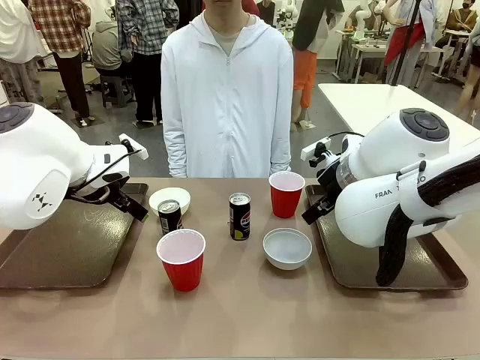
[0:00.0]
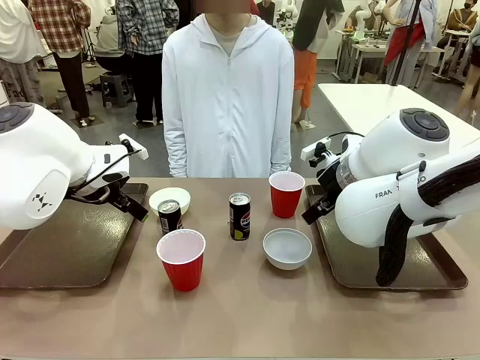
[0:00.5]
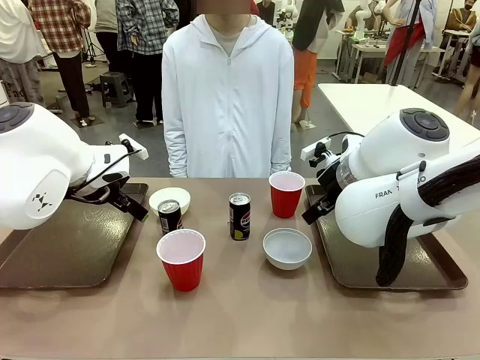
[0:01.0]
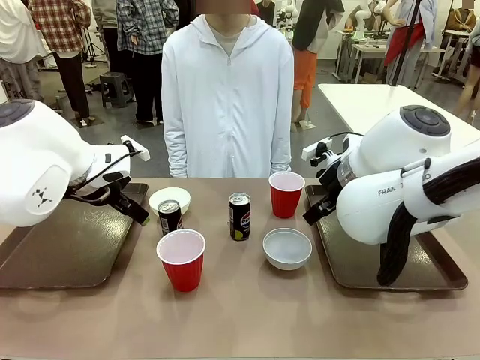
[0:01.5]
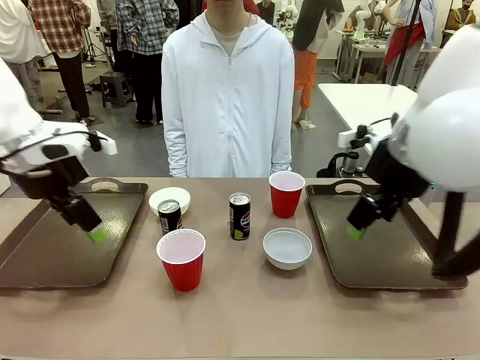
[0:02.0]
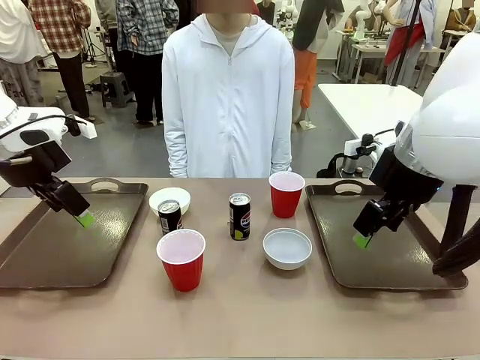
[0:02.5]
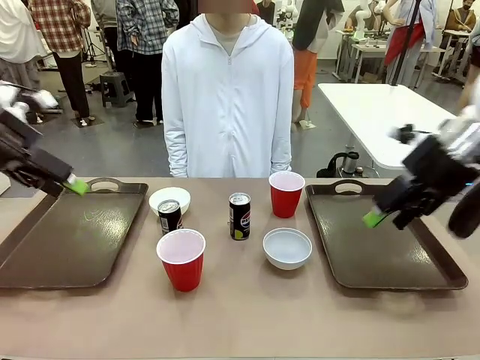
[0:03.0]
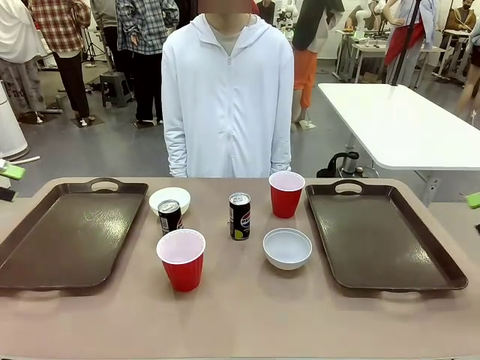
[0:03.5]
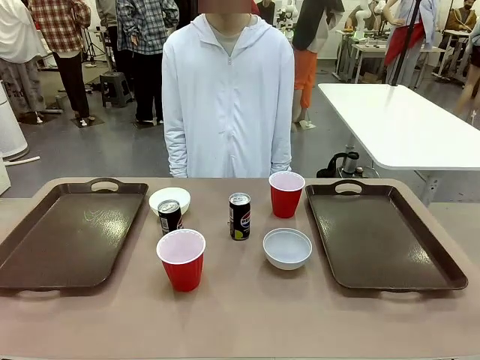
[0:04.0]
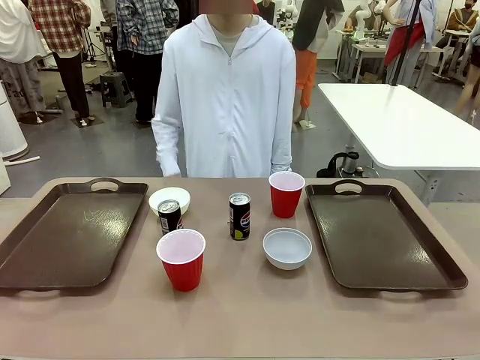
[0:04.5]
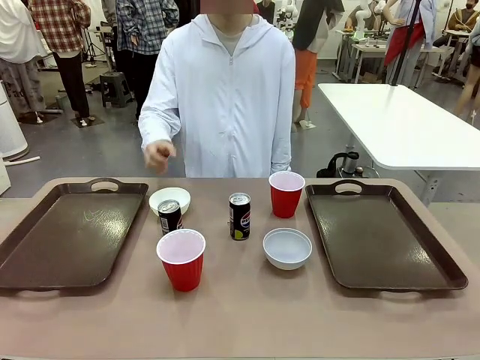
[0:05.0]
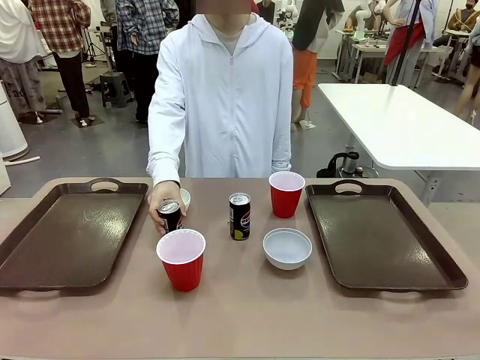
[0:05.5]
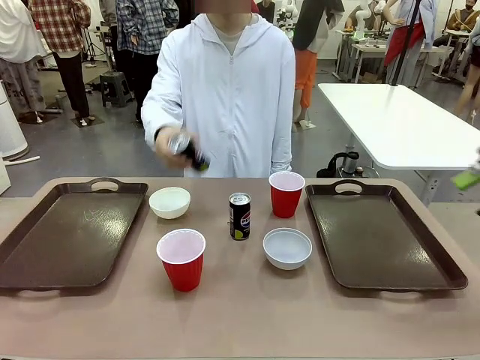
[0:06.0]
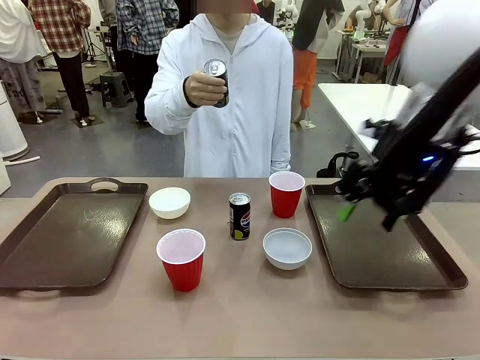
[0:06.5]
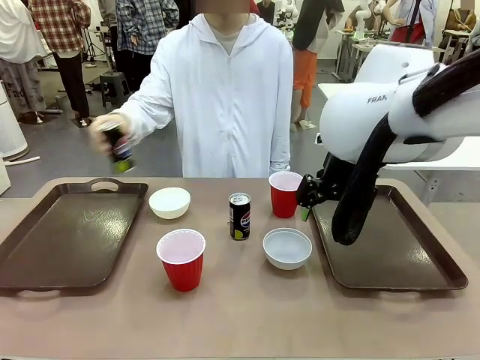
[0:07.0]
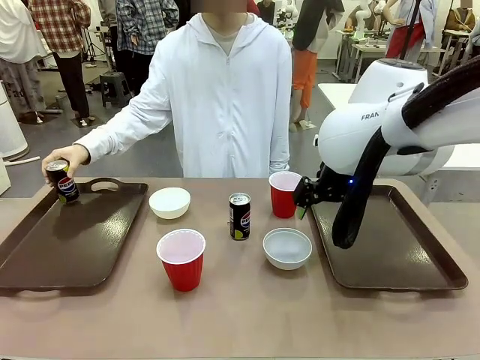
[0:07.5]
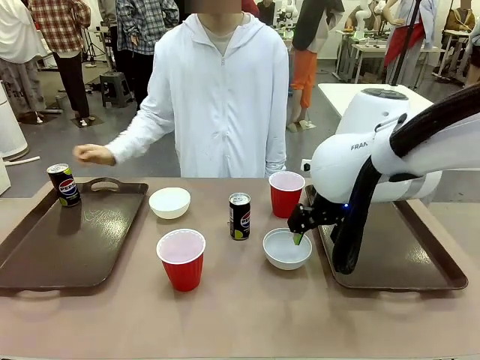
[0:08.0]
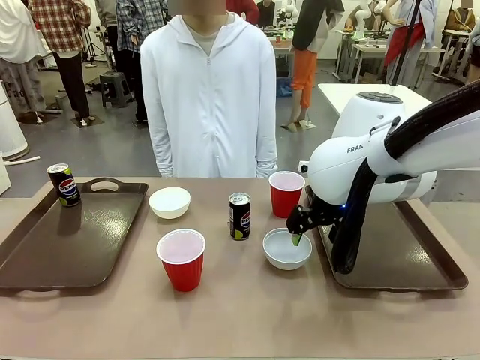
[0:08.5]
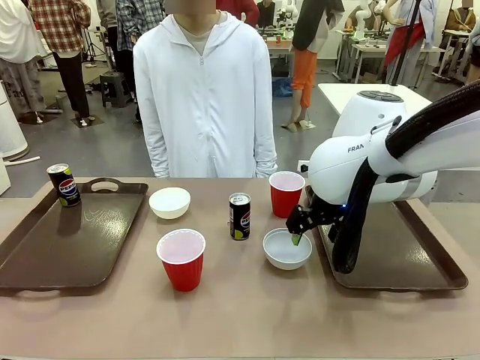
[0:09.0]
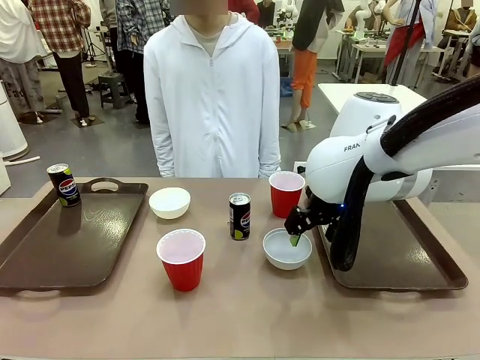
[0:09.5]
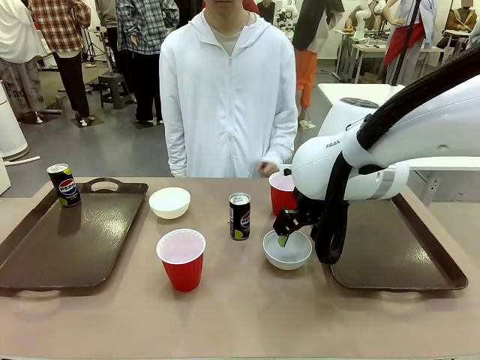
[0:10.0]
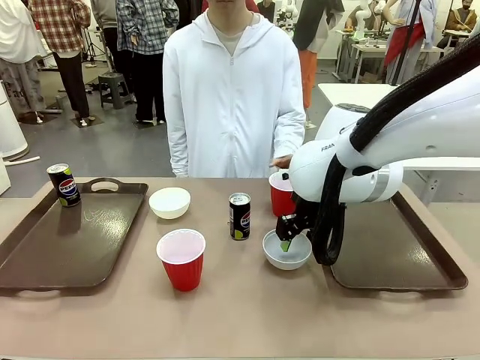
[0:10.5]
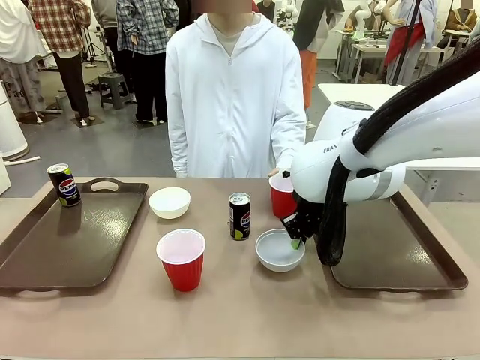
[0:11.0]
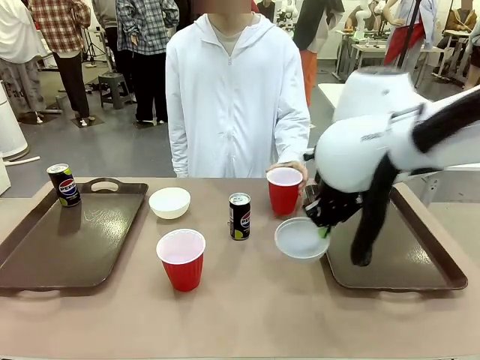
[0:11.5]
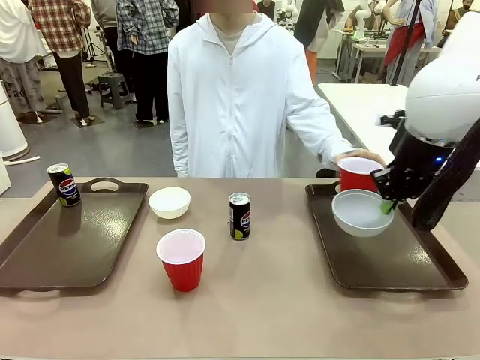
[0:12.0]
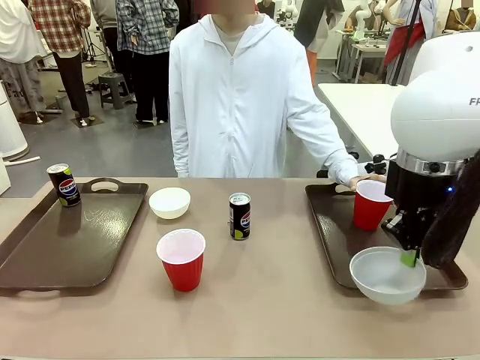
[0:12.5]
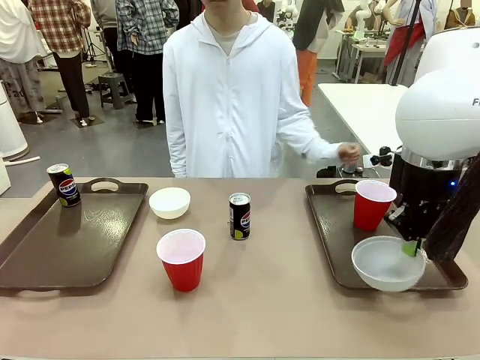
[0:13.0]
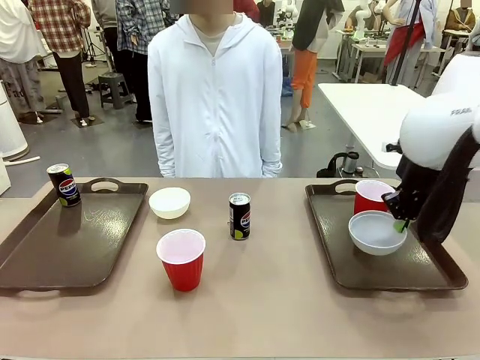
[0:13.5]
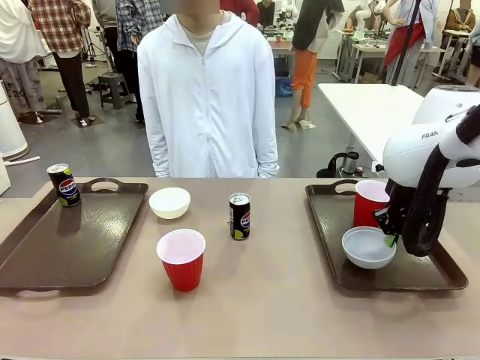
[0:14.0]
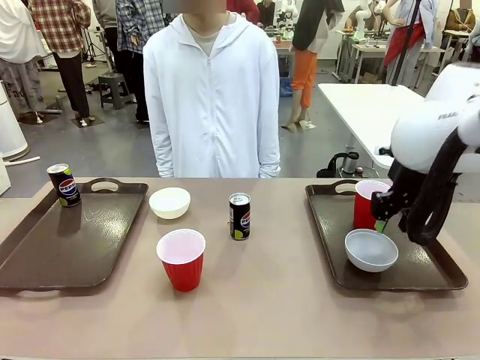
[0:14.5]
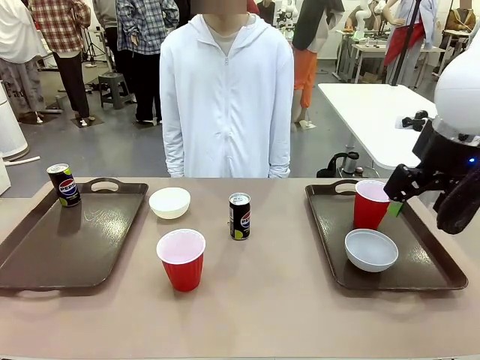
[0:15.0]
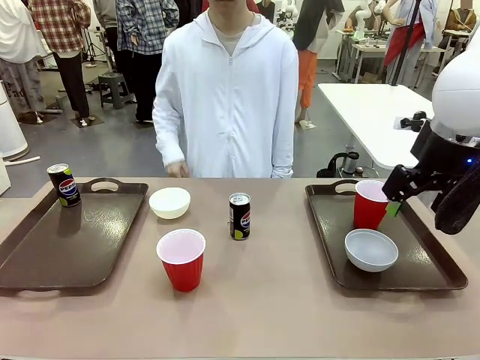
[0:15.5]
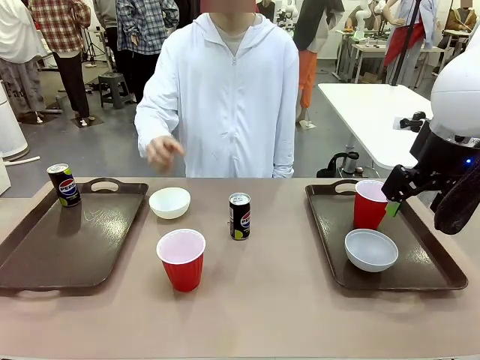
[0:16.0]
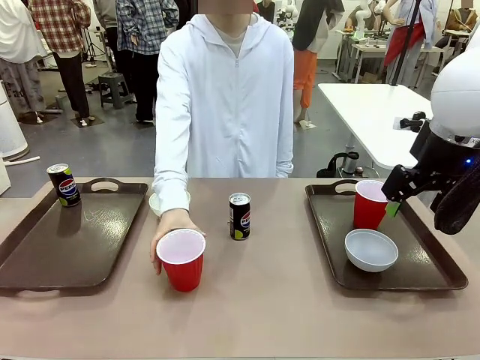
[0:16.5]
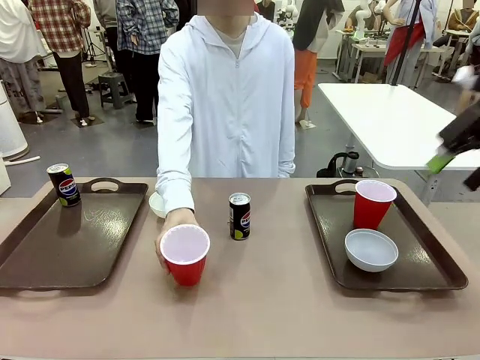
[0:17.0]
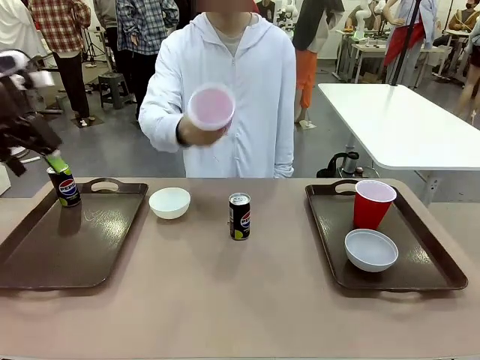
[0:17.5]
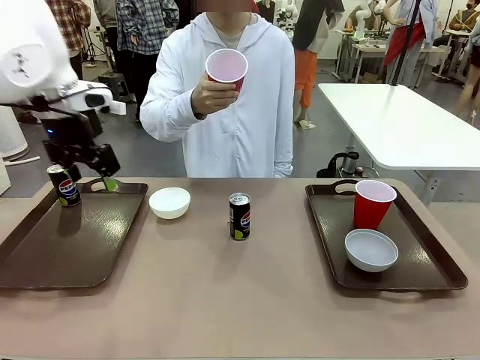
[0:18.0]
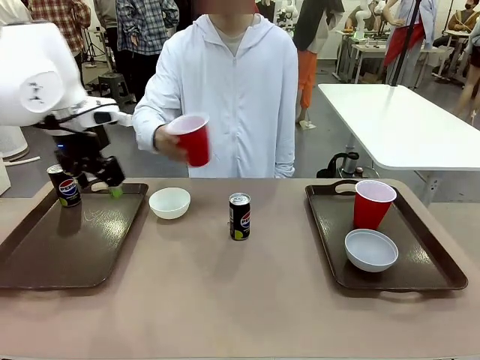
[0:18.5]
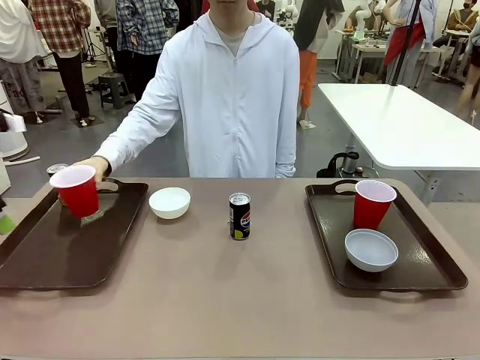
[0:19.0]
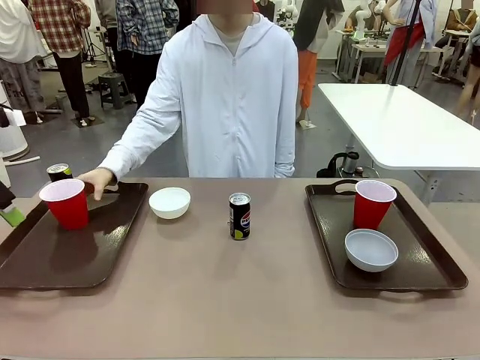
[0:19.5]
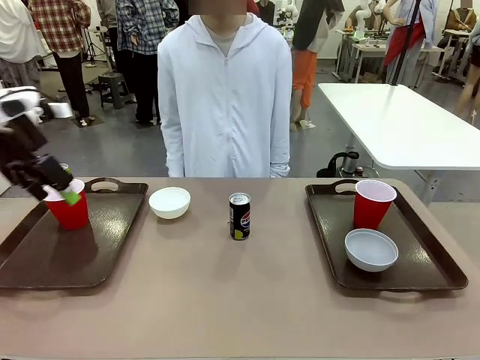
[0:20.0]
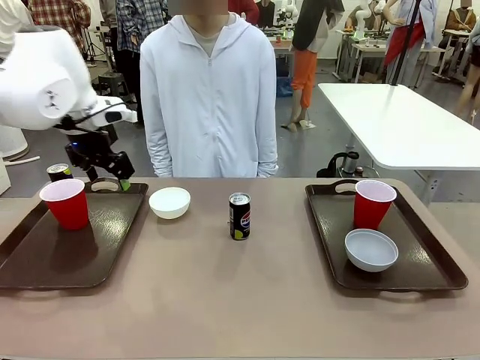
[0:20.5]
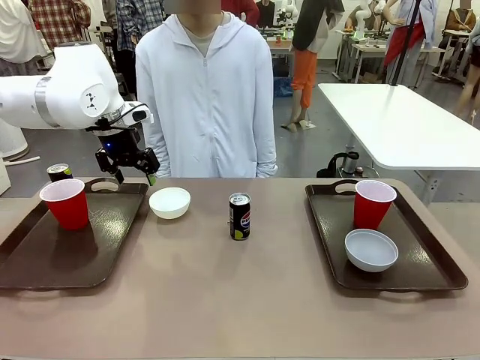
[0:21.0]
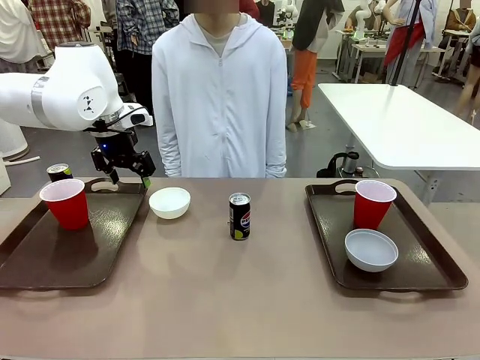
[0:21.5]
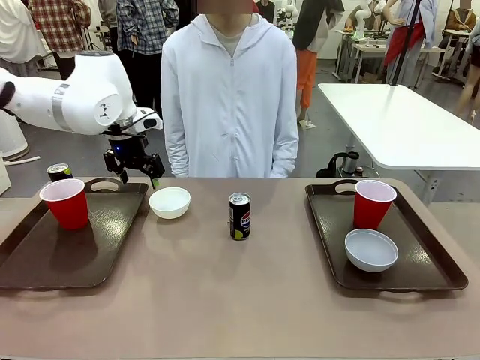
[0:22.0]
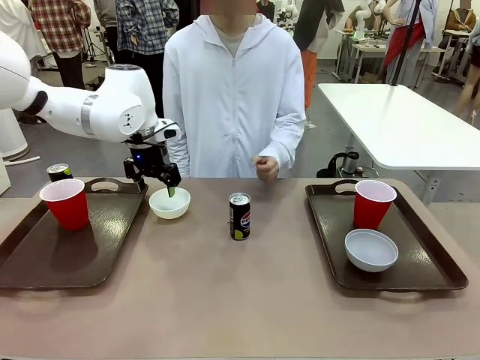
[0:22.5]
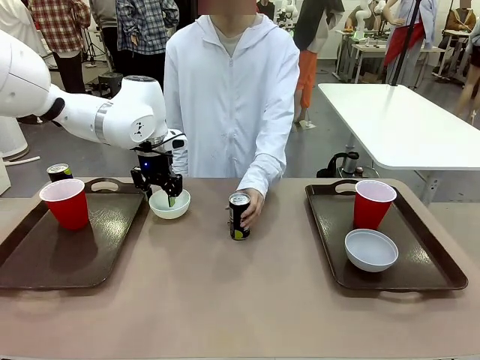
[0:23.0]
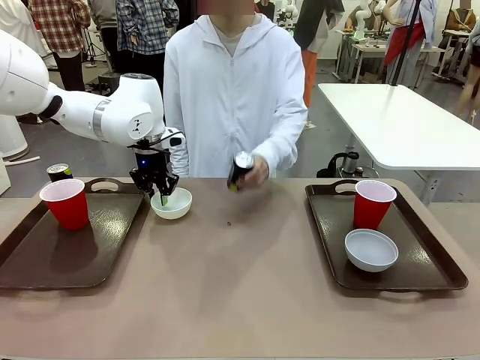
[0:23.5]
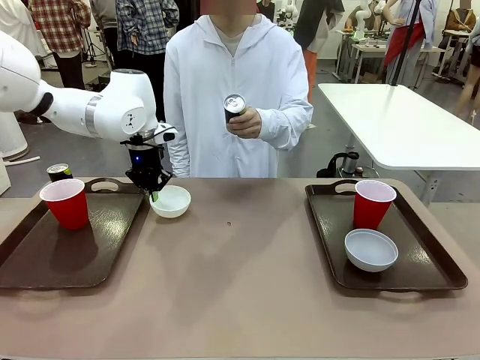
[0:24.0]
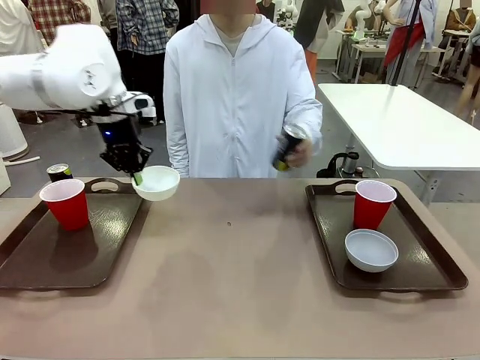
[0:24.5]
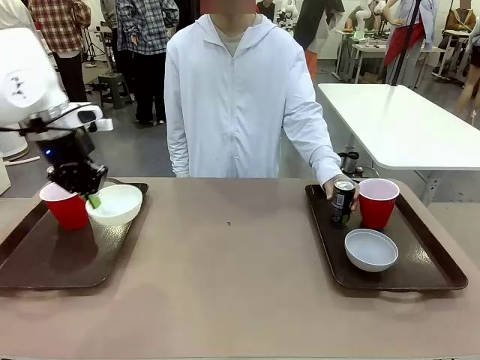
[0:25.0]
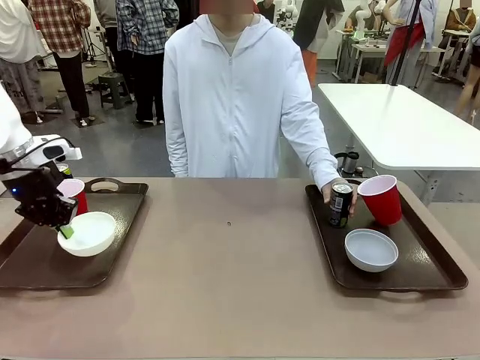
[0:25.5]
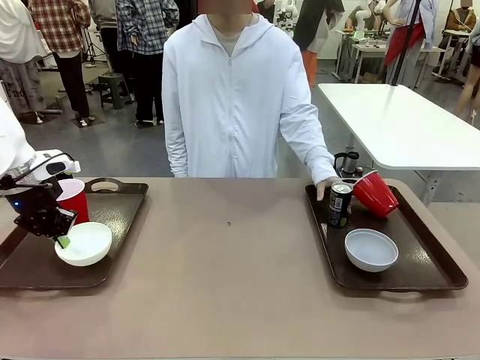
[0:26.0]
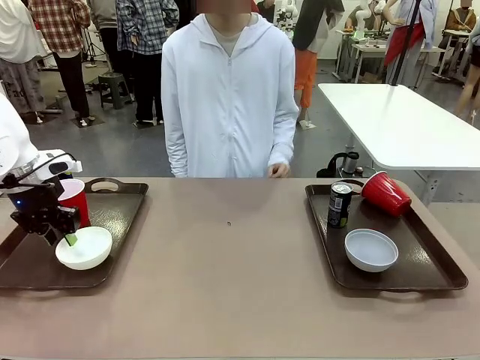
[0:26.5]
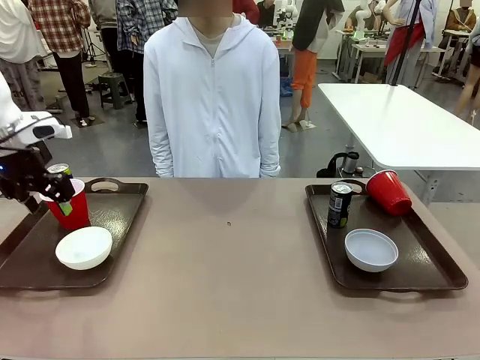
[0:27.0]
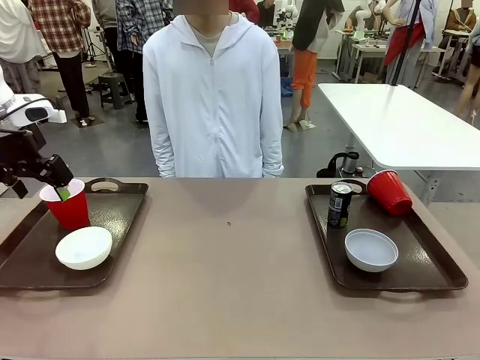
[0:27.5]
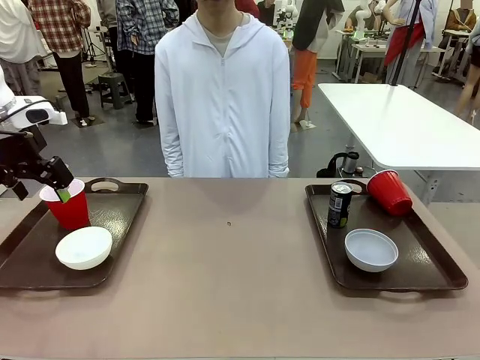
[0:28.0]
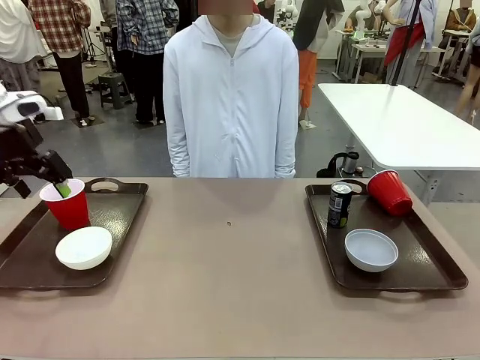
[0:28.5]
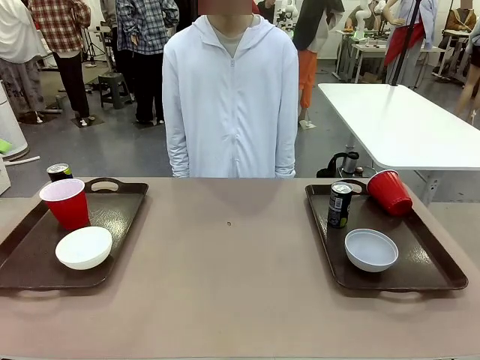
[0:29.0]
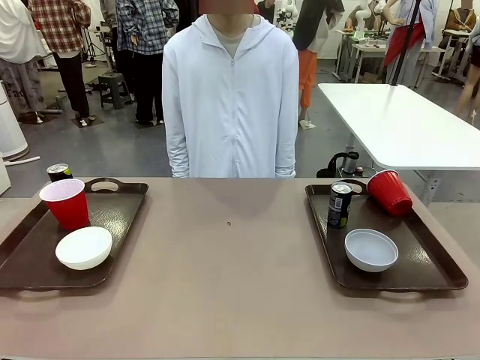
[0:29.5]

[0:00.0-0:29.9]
Task: Prepare tableware on both trays.
Robot: Pick up a Picnic Bowl from the table and place it on a Handle tray.
Person: Pick up a can or cup and place it on the tray. Pick up a can or cup and place it on the tray without a can or cup.
